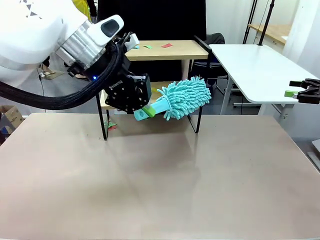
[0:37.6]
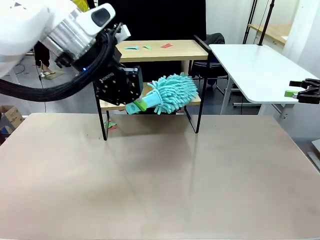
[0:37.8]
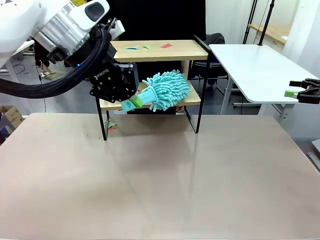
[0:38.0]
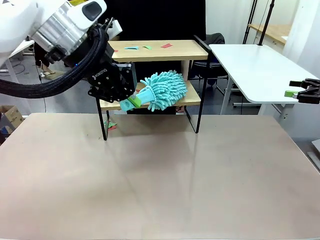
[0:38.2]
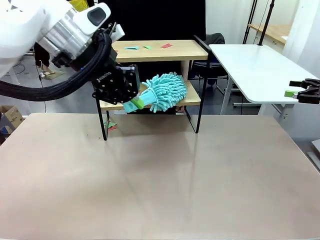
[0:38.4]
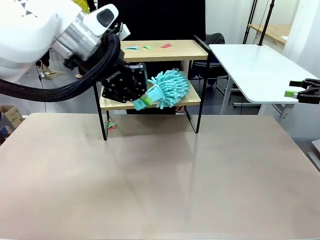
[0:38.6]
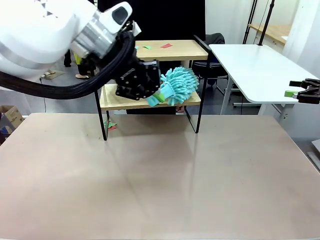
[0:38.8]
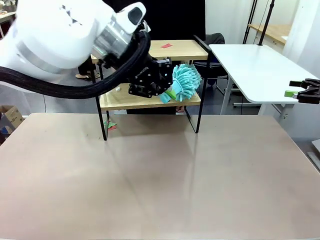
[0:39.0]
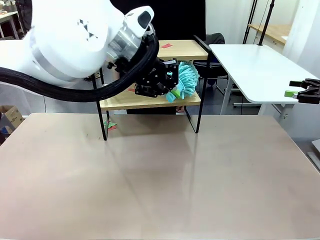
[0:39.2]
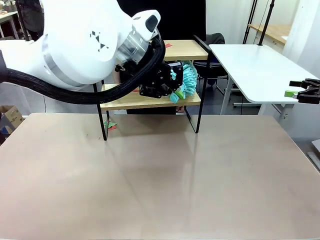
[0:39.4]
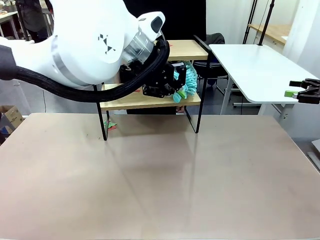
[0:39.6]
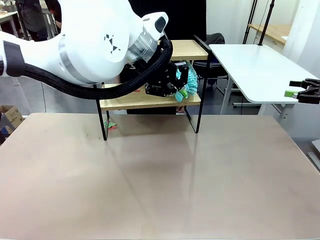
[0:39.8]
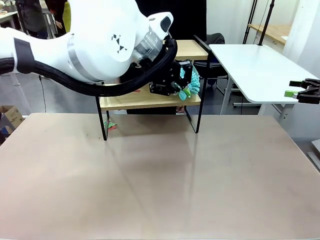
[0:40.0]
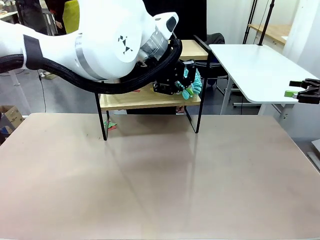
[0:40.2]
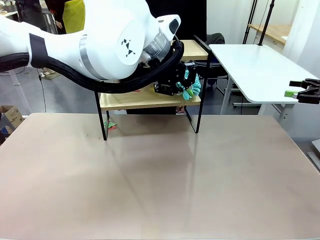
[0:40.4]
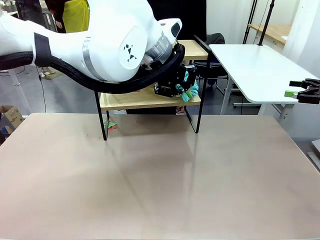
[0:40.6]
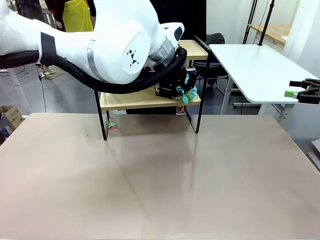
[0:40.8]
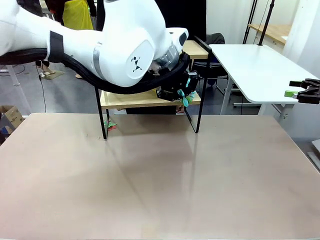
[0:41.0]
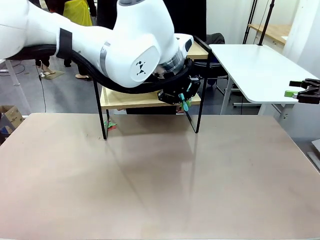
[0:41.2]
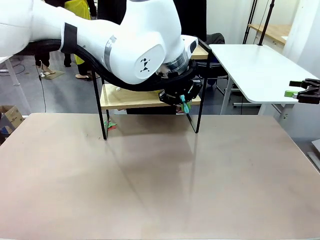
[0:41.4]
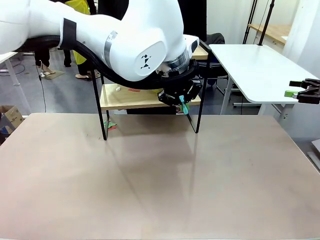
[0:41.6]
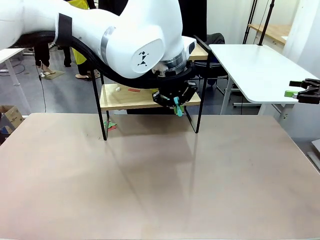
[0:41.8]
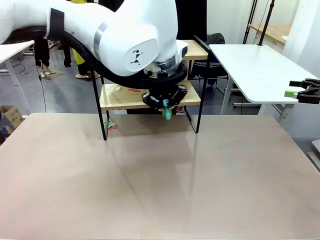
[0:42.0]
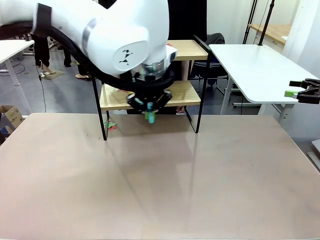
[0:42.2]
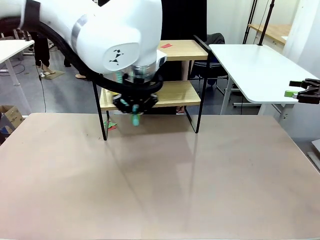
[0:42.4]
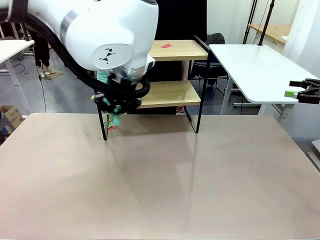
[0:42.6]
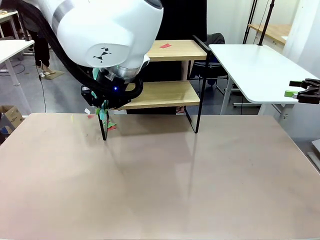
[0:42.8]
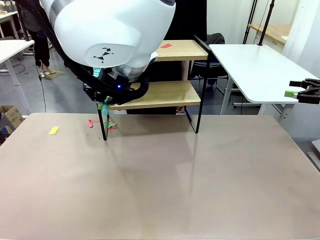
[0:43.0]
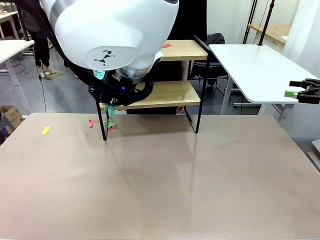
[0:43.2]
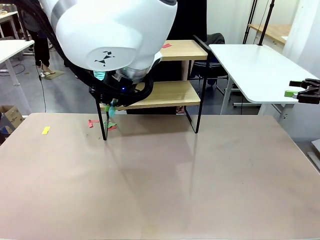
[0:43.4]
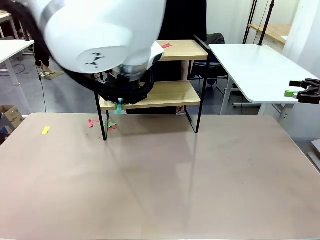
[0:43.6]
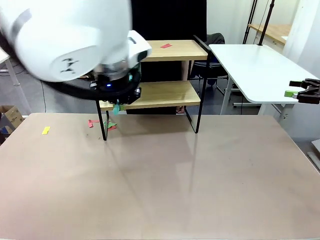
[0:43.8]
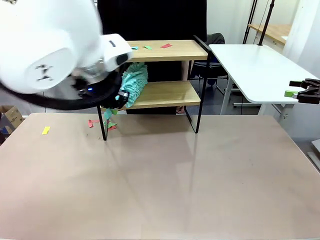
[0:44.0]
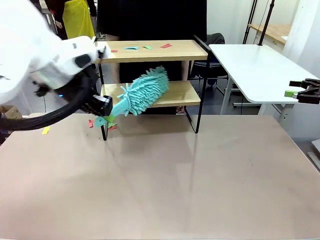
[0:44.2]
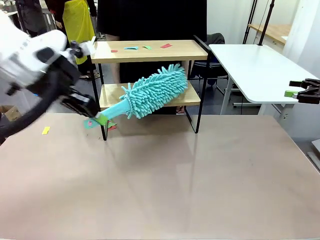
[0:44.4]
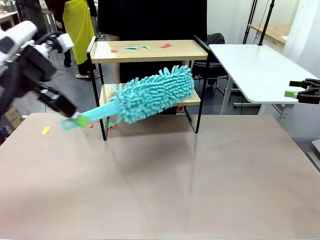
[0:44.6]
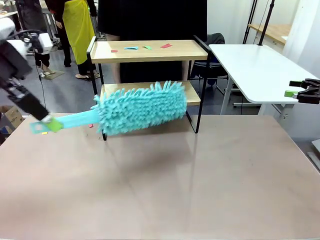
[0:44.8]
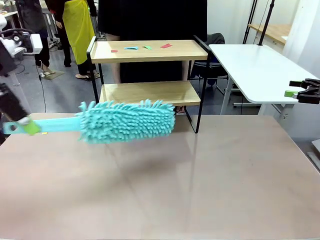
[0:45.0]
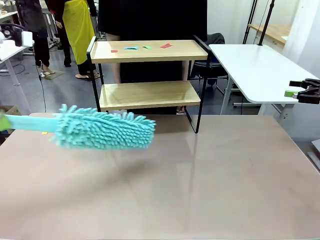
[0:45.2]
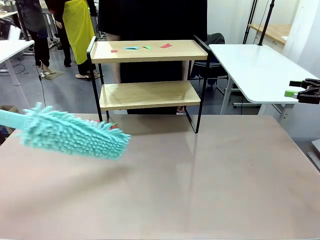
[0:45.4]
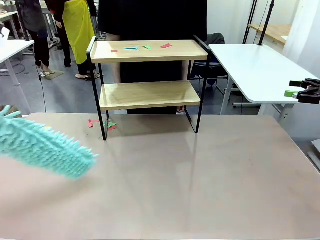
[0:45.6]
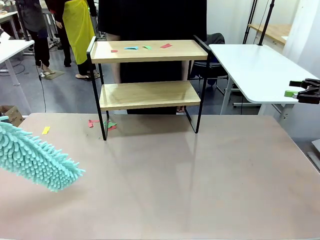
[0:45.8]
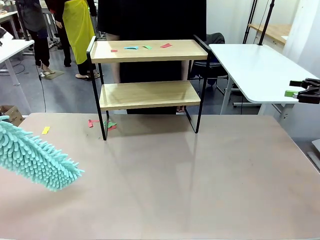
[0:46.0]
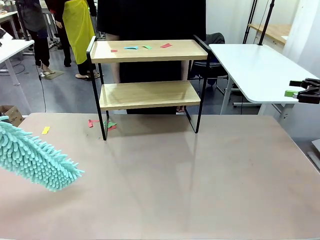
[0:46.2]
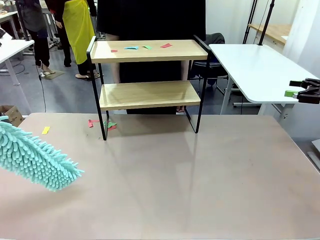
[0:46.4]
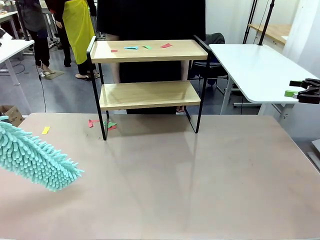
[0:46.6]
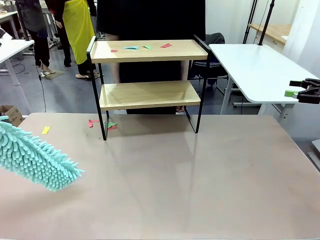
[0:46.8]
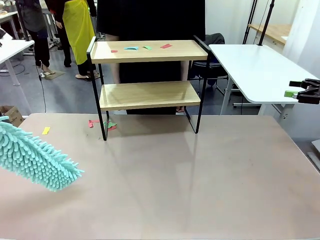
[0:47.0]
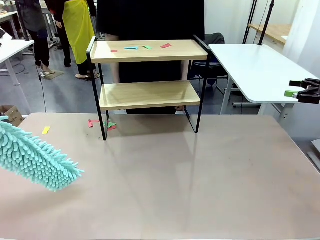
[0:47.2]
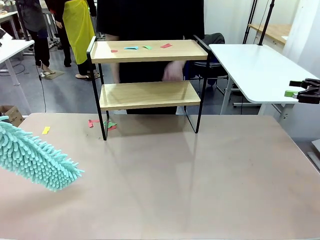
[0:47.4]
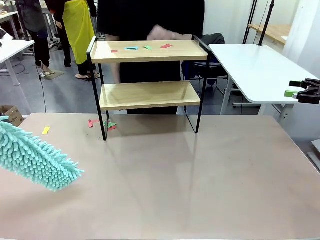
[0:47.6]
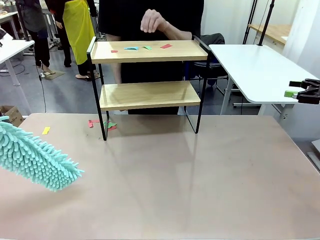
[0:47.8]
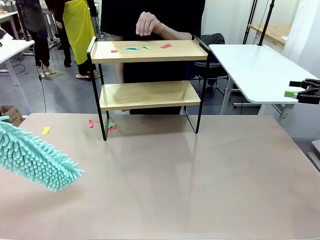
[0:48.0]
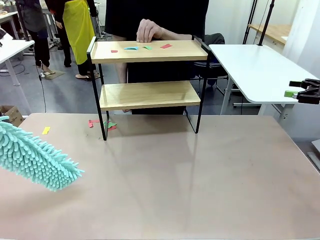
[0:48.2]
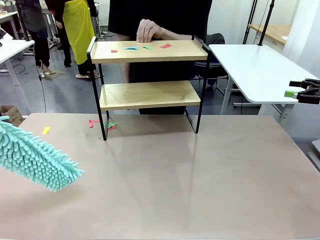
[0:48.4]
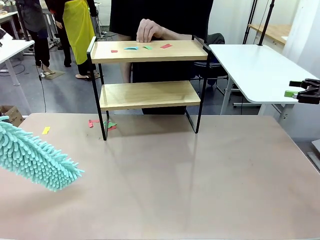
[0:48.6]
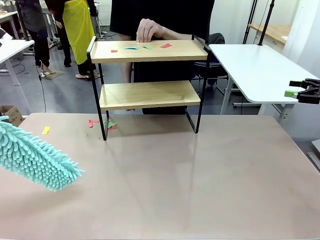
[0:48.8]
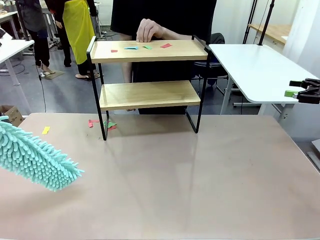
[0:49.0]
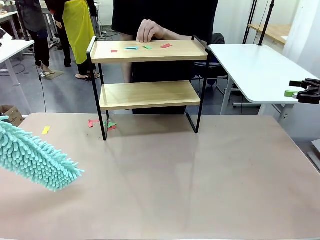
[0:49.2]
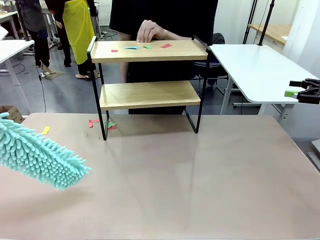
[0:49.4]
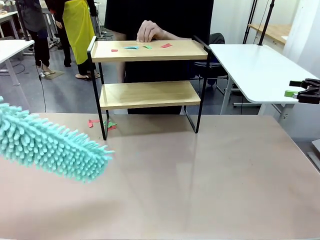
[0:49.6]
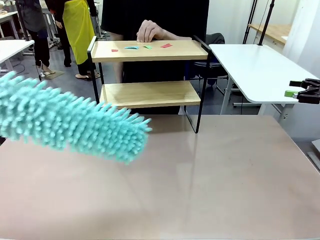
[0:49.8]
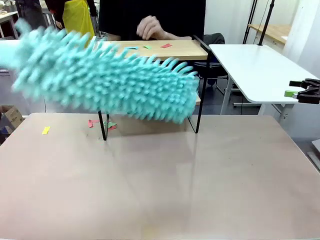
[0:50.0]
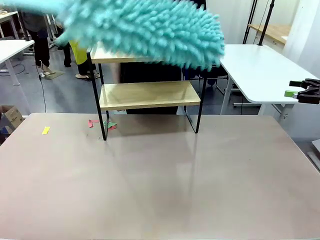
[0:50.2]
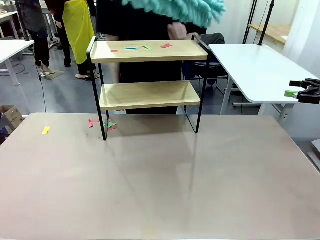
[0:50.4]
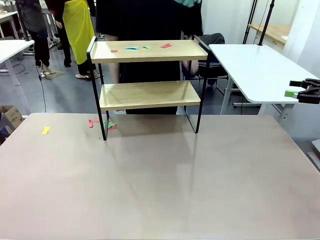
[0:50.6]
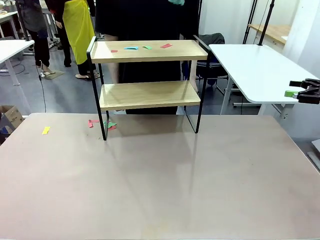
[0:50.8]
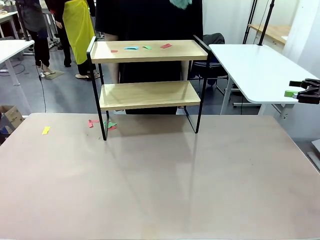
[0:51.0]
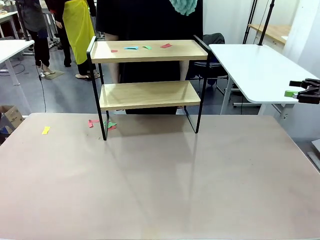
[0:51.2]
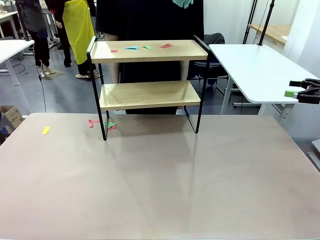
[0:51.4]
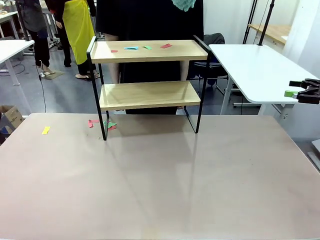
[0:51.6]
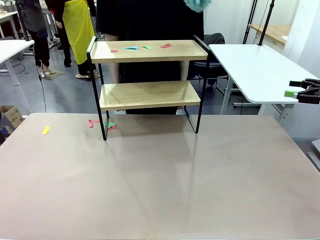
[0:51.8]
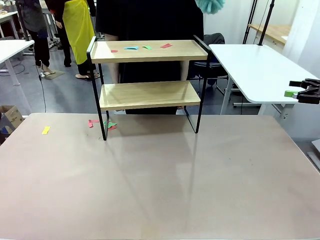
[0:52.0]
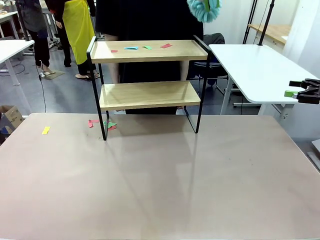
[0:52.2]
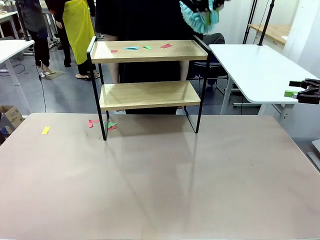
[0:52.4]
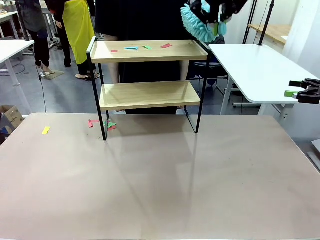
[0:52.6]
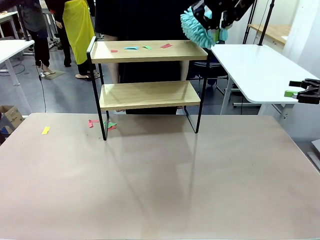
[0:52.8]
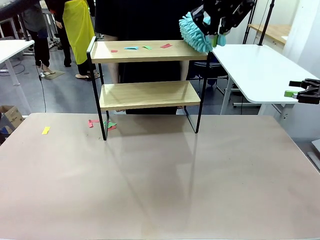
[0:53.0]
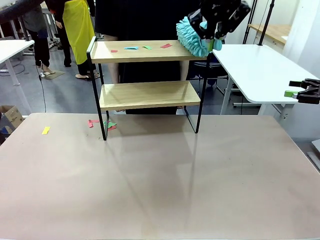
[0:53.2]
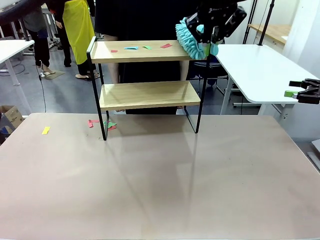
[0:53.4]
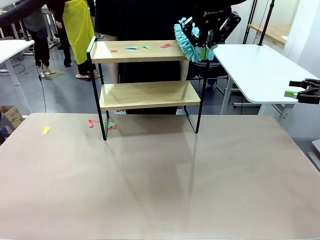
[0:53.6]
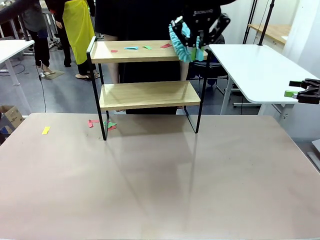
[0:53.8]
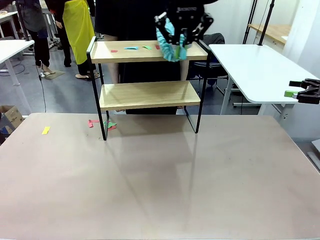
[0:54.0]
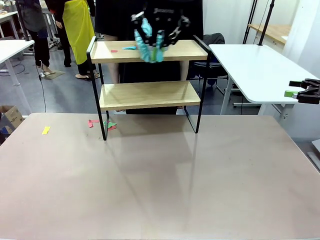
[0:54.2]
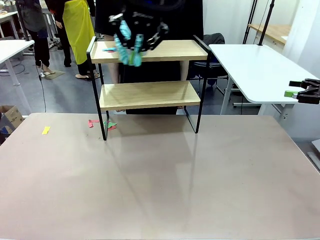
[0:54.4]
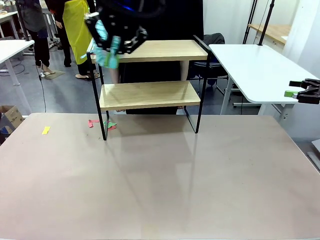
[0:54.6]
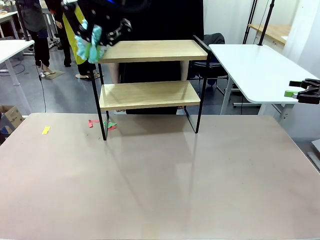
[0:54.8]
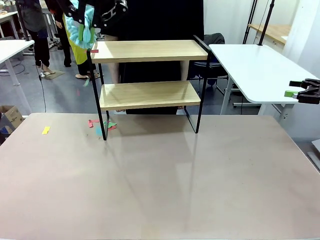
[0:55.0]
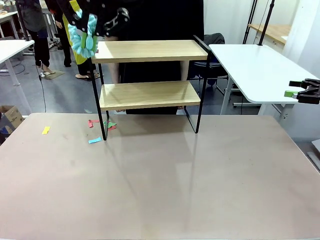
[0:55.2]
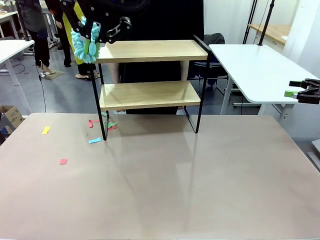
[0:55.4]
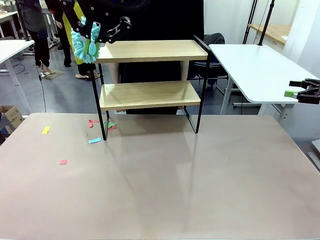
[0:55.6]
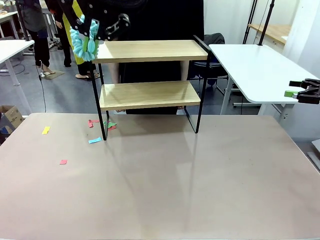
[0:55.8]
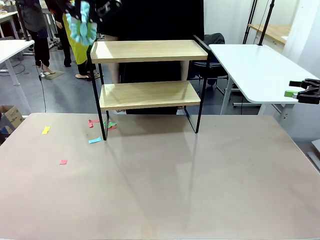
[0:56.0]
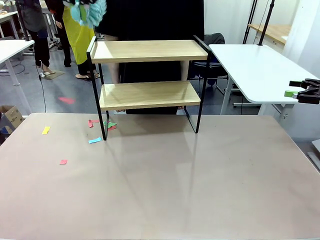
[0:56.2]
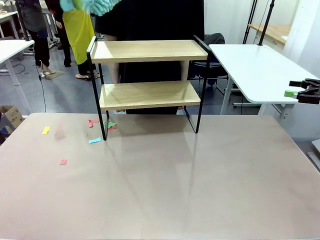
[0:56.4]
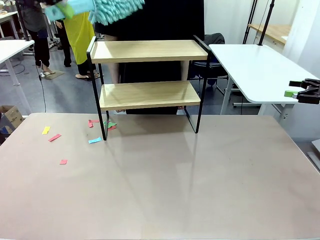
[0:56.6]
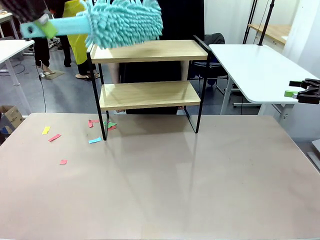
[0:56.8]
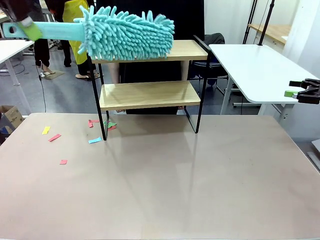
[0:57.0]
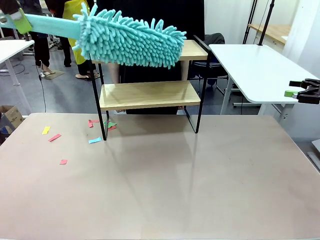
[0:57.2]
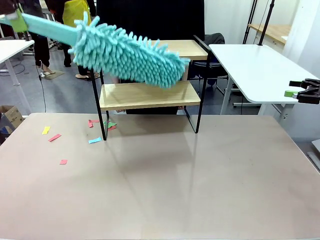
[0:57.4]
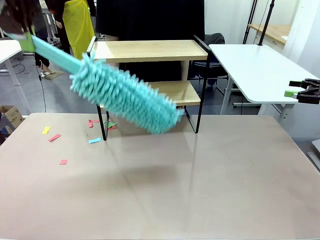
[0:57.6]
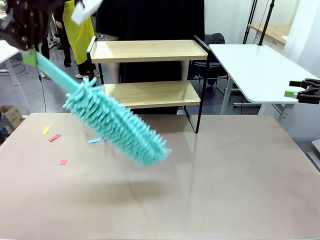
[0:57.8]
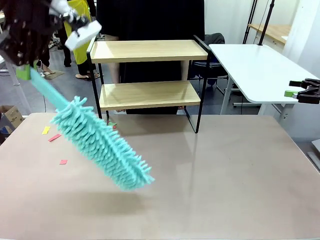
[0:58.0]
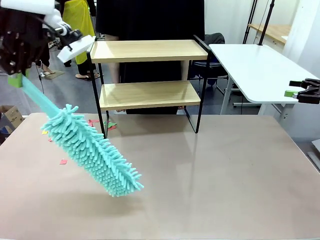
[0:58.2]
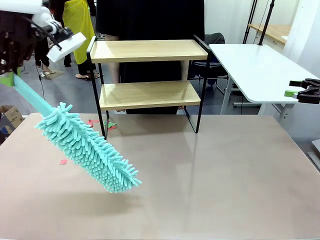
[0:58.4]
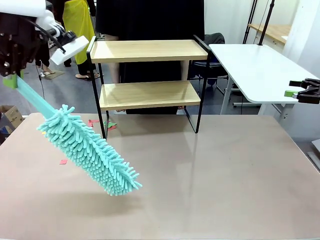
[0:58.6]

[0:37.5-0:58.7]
Task: Clean the shelf.
Robot: Clean the specific section of the Shelf indicated by the human with the Duster.
Person: Point a remaining section of the Shelf.
